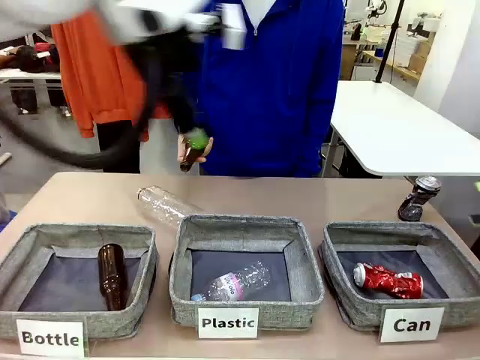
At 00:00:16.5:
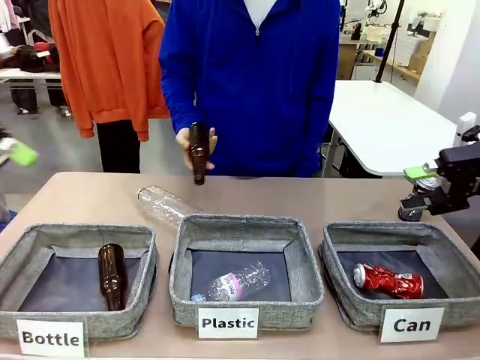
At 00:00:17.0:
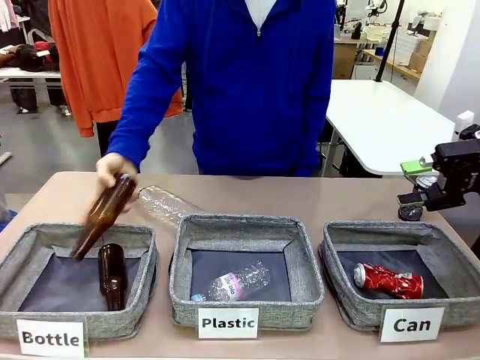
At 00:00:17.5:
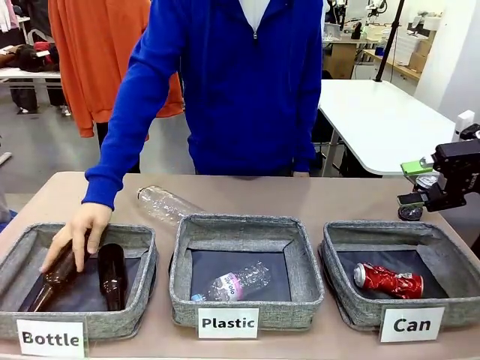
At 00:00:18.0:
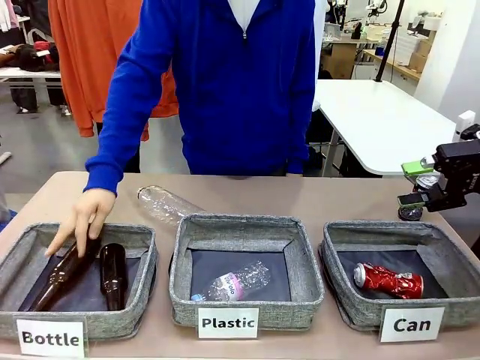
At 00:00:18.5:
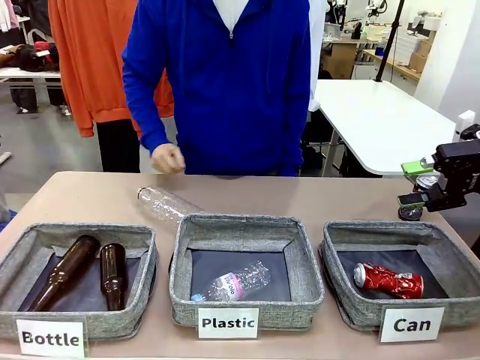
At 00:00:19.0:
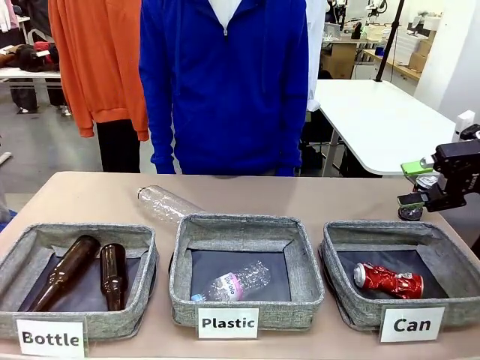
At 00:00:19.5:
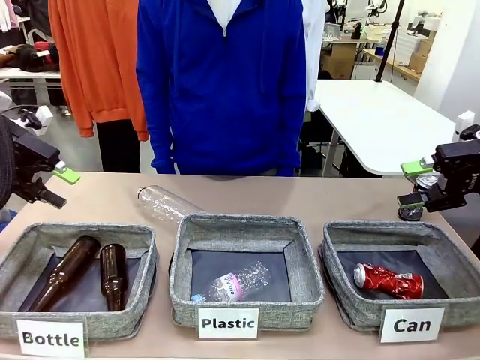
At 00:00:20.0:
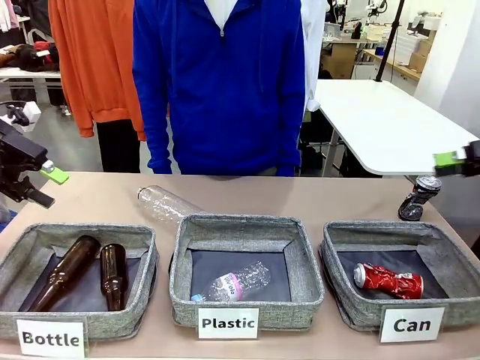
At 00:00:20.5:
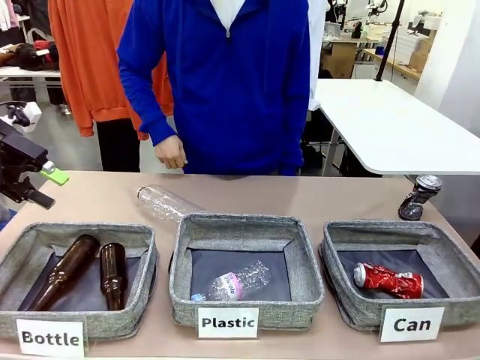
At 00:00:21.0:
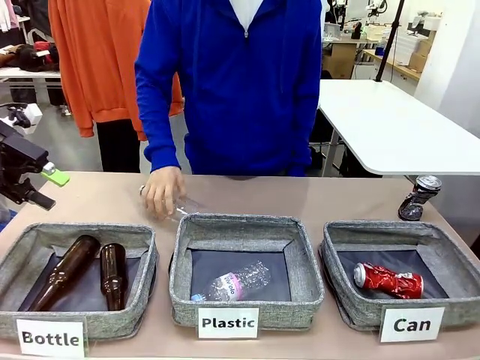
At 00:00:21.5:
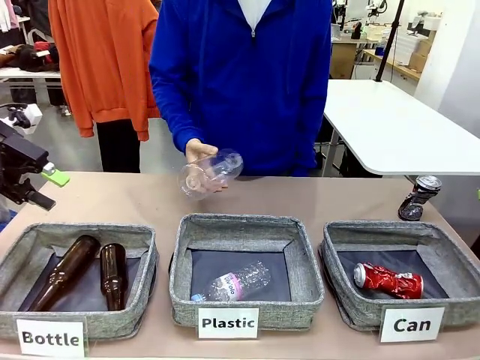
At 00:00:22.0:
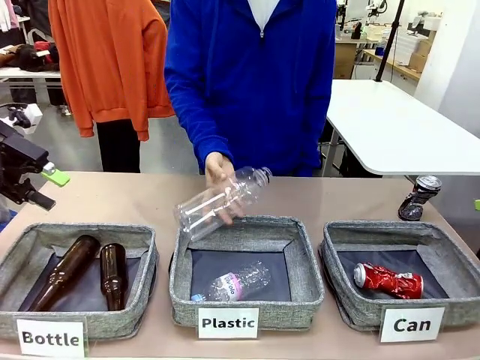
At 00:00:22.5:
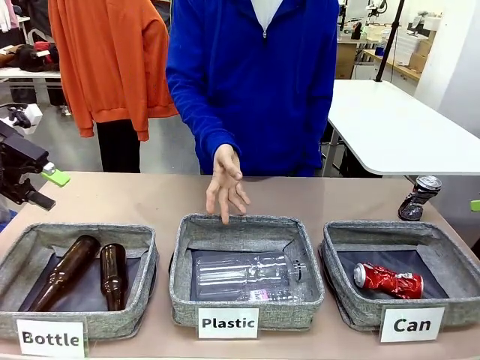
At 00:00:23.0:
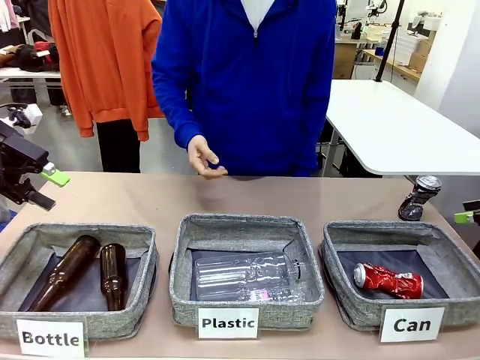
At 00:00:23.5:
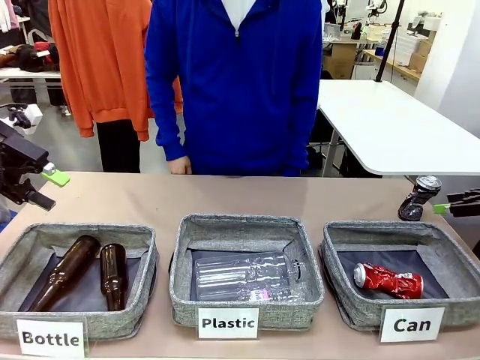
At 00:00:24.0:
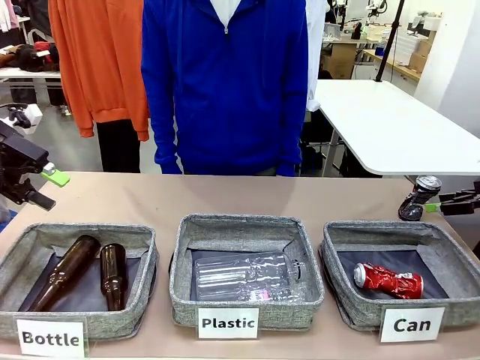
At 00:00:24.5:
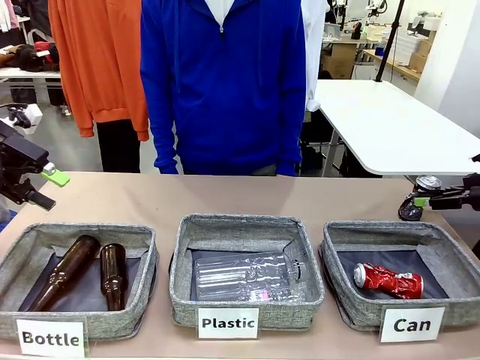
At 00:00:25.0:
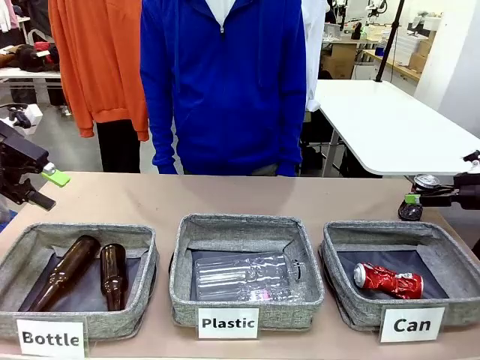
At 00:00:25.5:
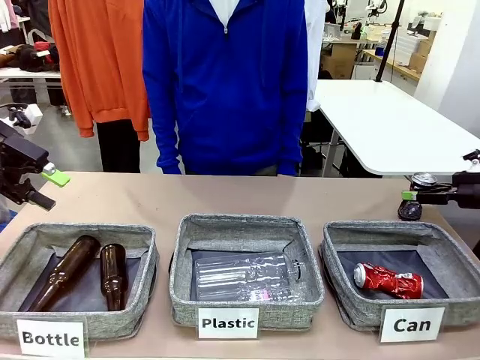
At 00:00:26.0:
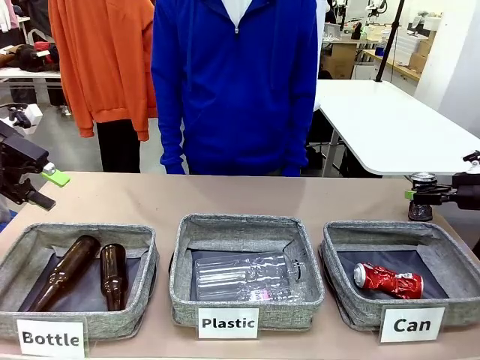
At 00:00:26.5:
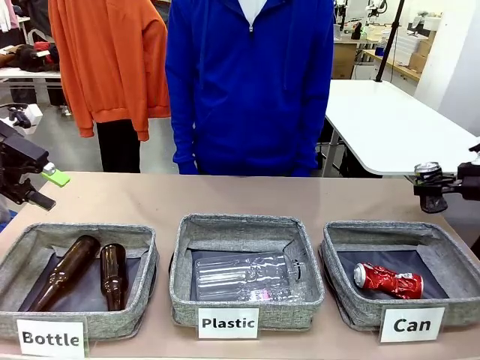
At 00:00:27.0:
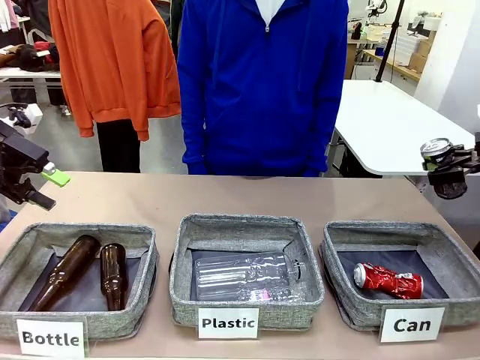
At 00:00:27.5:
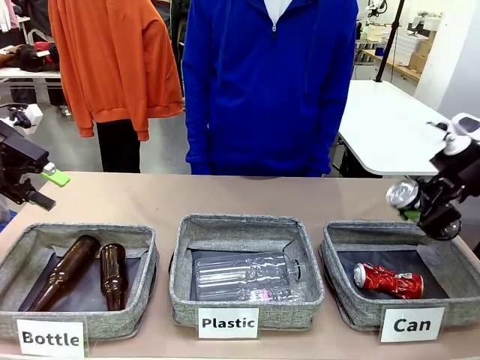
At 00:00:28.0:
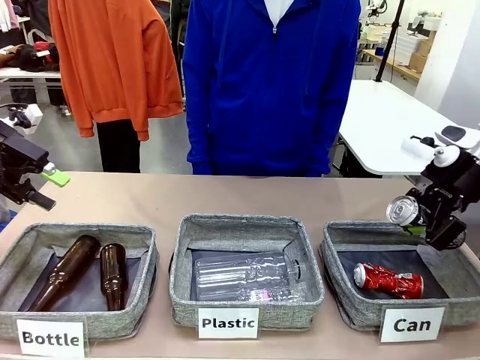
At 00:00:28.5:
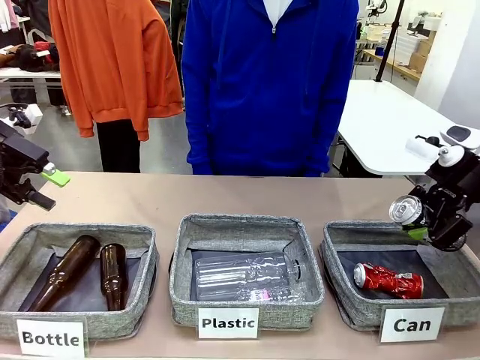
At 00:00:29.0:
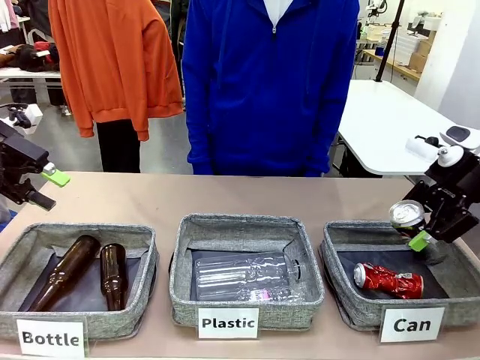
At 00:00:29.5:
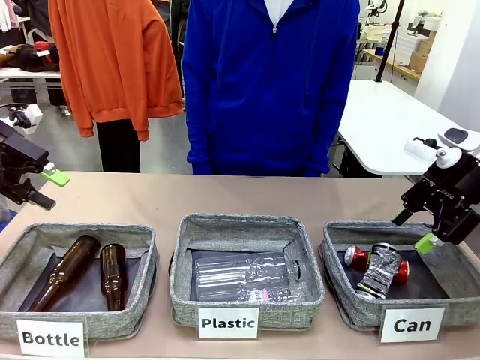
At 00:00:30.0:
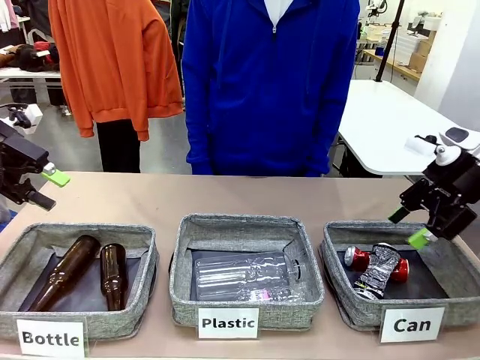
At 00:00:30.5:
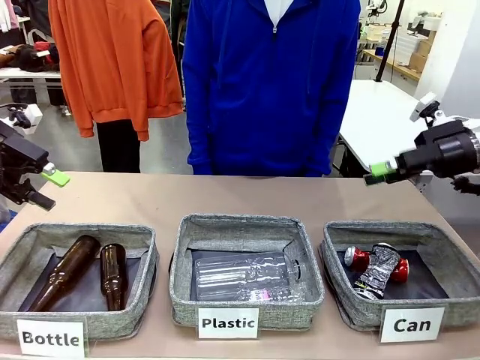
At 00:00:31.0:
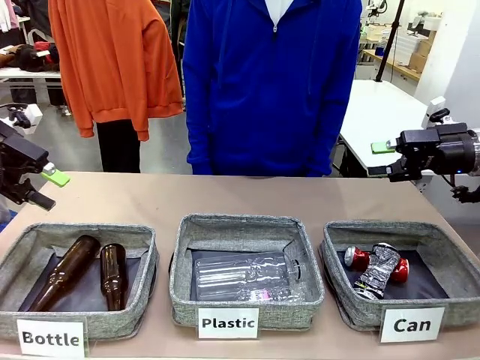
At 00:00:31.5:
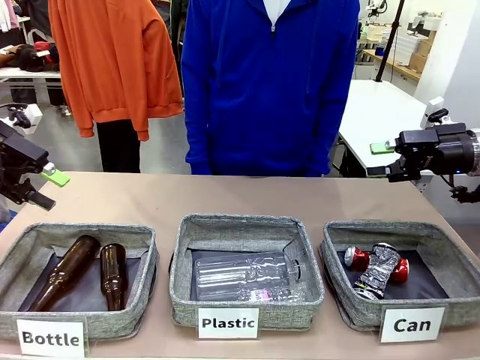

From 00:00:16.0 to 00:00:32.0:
Task: Sort the can waste into the basket.
Robot: Pick up the can waste from the table and place it in the right Fabric basket.
